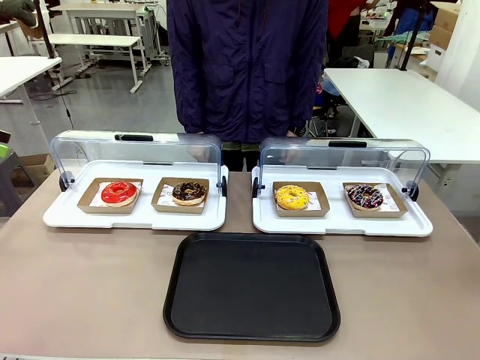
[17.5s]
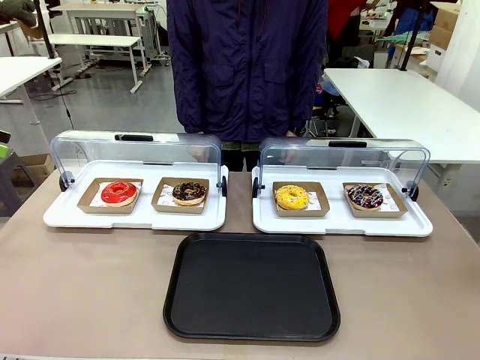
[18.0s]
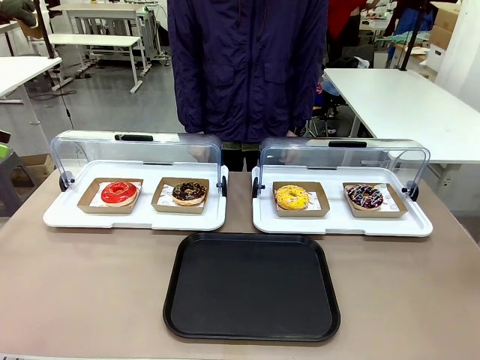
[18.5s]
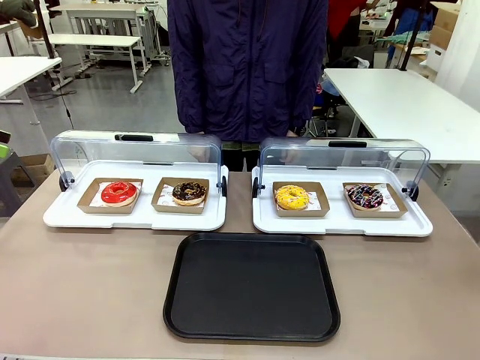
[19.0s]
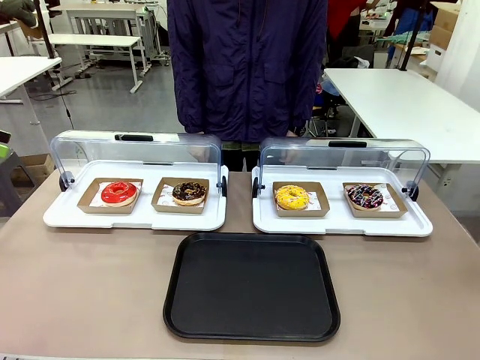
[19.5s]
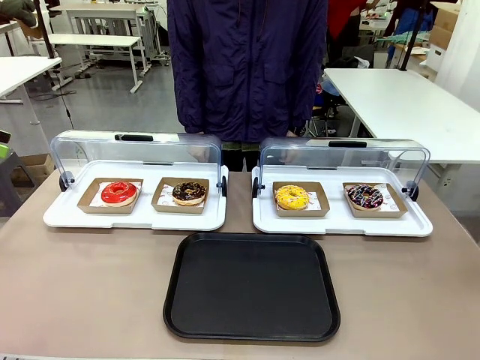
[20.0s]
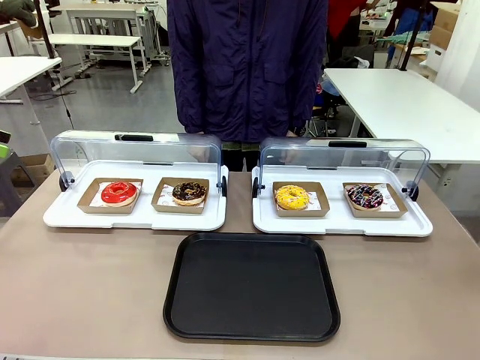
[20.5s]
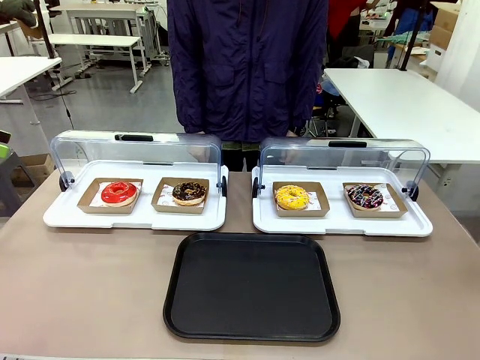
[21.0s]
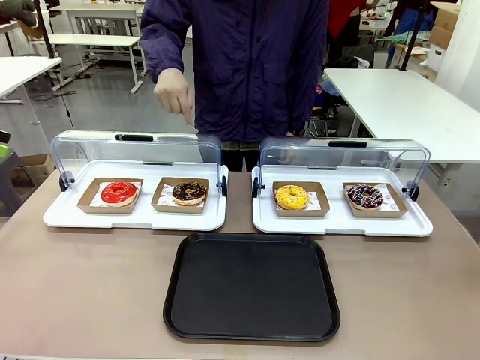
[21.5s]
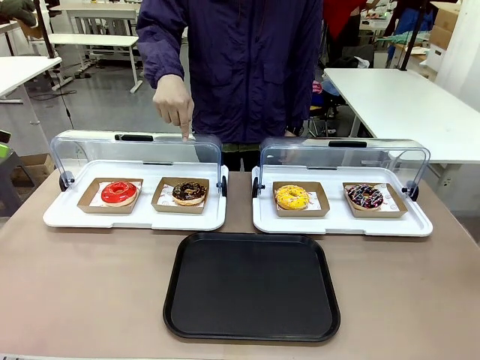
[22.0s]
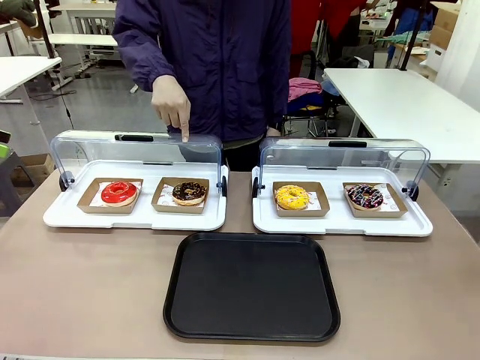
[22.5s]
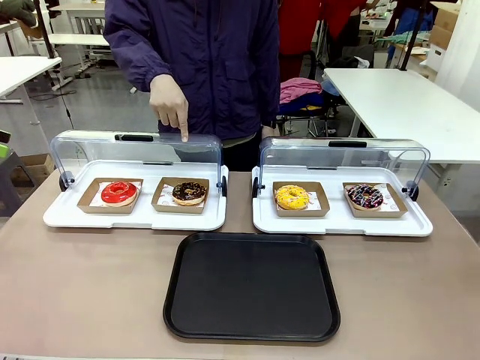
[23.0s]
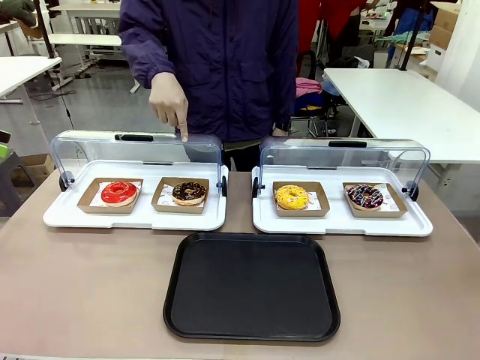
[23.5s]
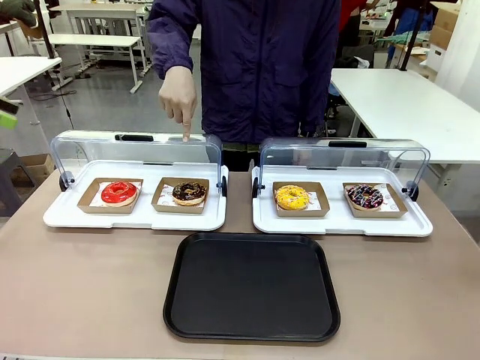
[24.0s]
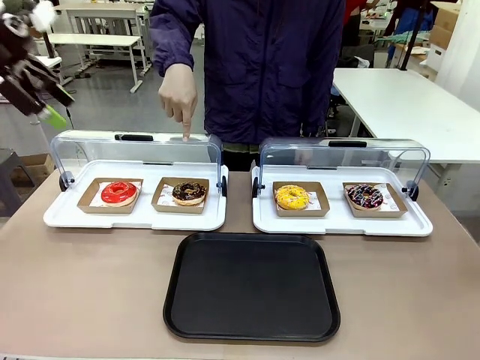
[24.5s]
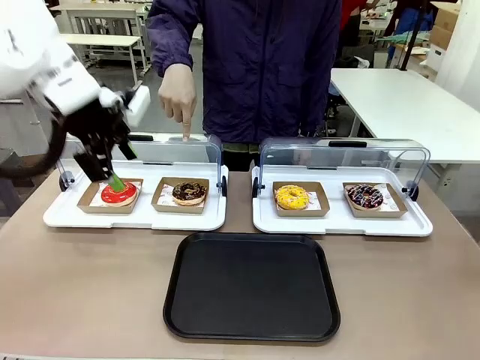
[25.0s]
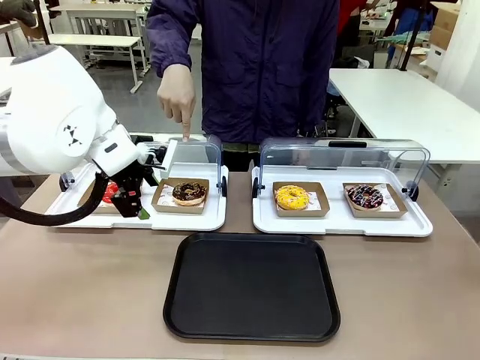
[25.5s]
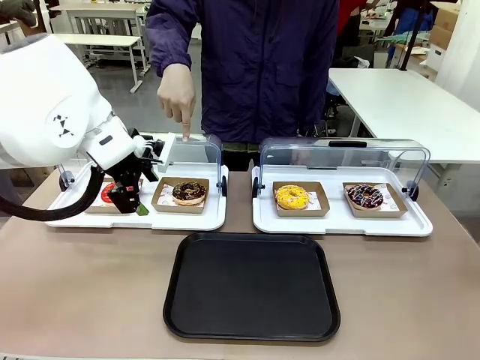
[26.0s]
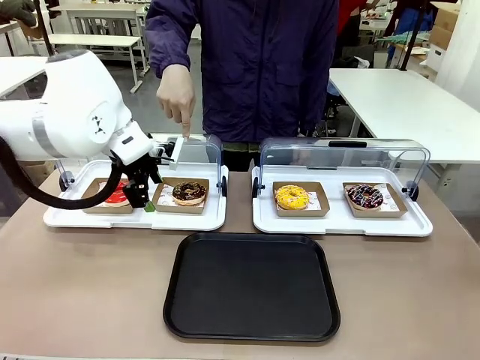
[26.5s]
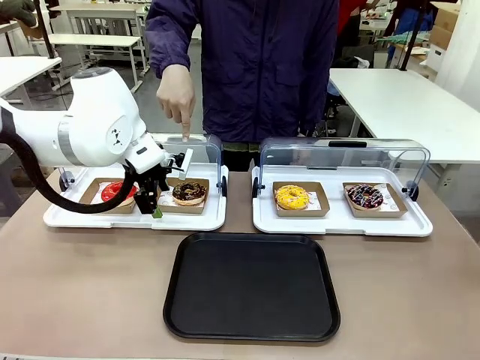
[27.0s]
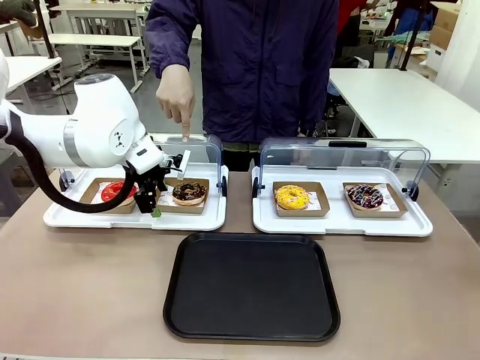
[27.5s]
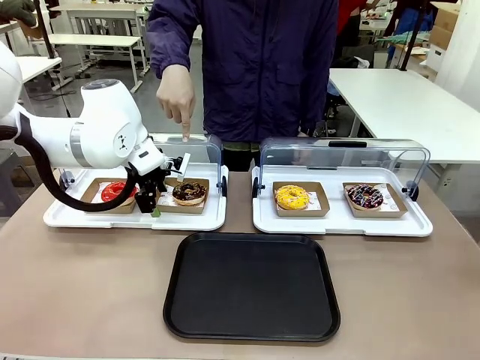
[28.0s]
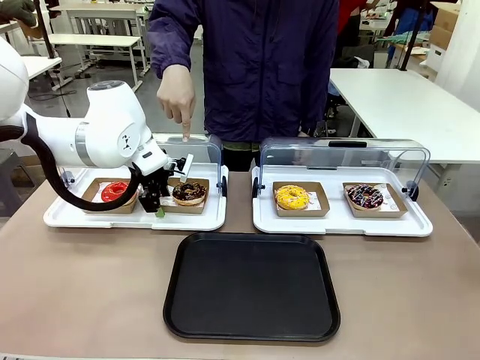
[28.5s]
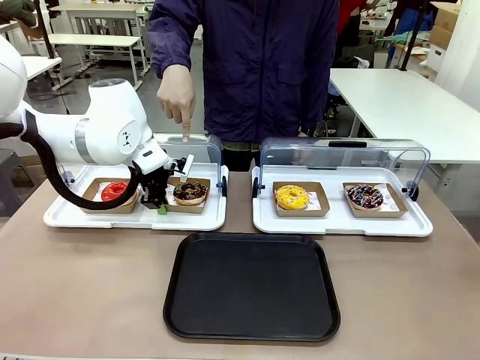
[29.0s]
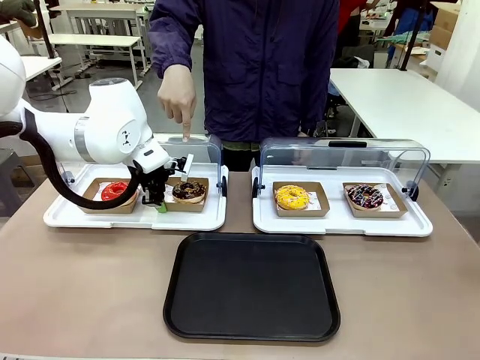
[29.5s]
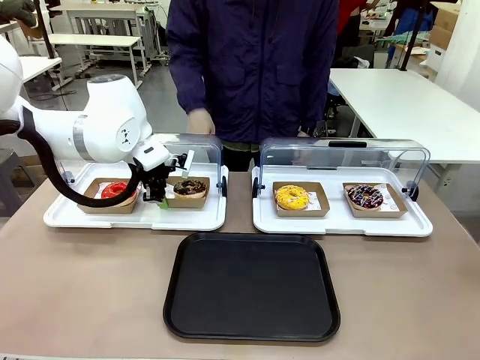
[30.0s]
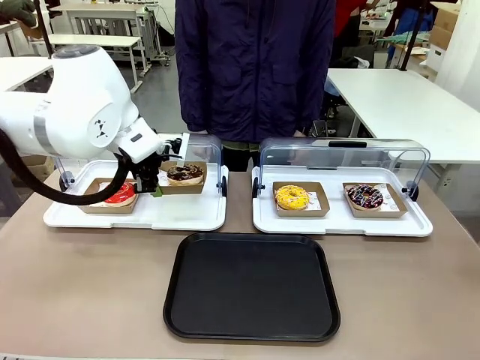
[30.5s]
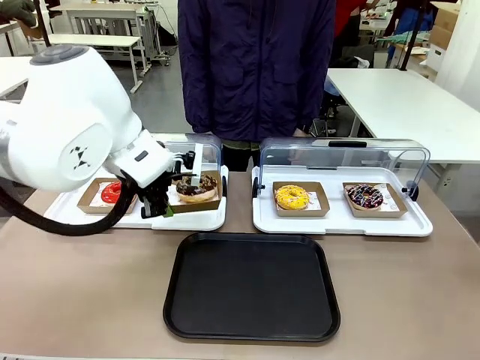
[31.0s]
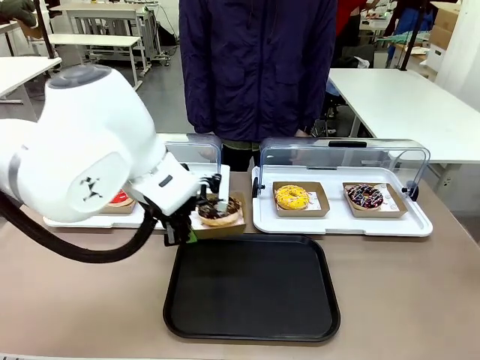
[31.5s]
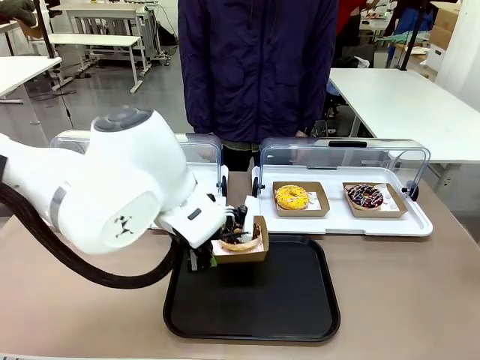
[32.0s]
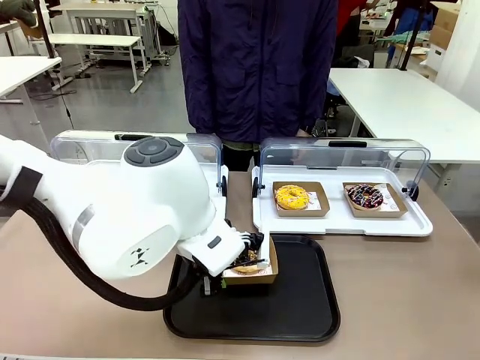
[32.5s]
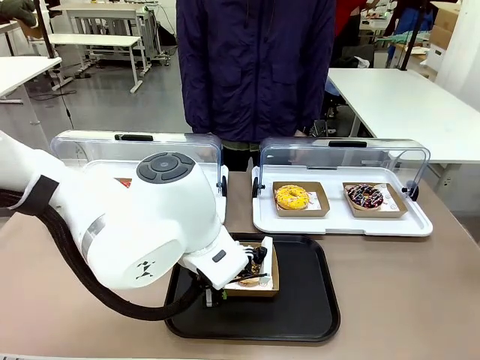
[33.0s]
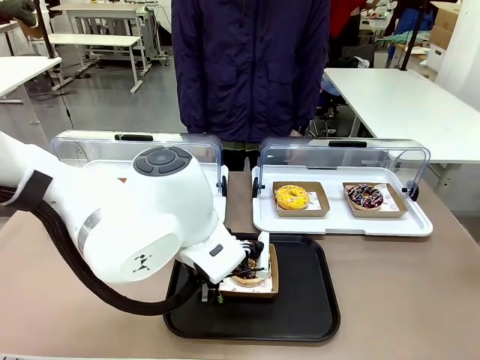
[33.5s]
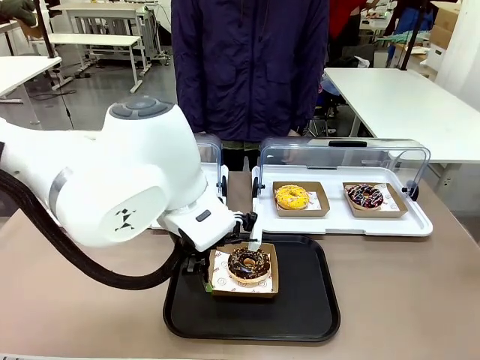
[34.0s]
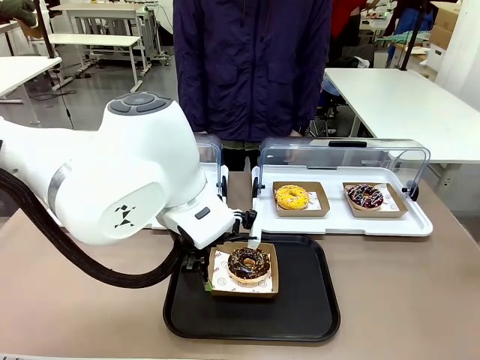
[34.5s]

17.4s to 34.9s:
Task: Move the second donut from the left to the tray.
Robot: Pick up the Paper togo box containing the Donut indicated by the person and place it on the Handle tray.
Person: Points to the second donut from the left from the robot’s perspective.

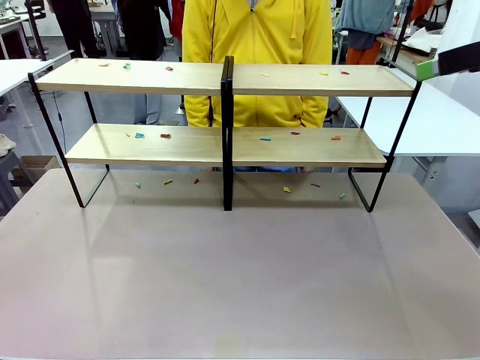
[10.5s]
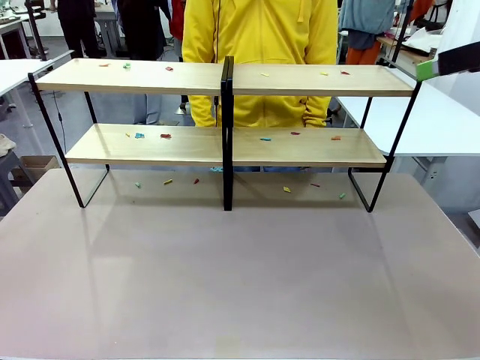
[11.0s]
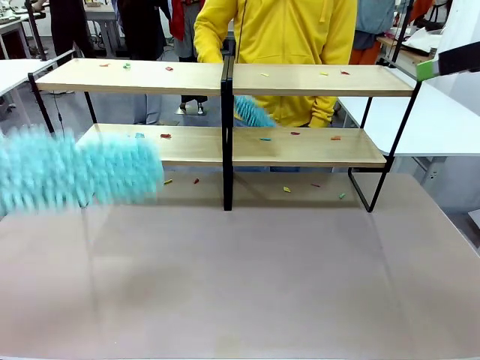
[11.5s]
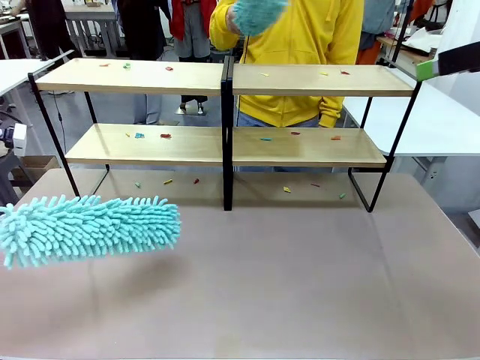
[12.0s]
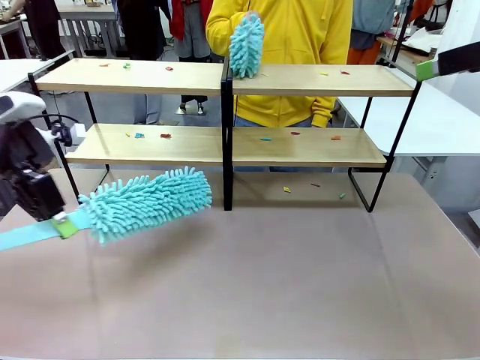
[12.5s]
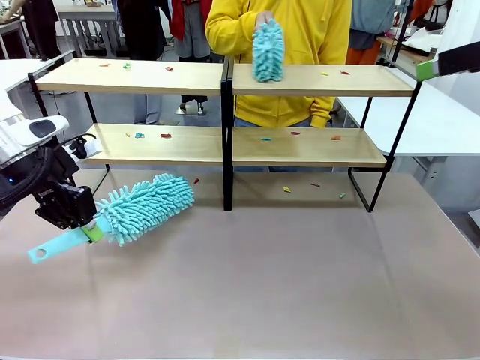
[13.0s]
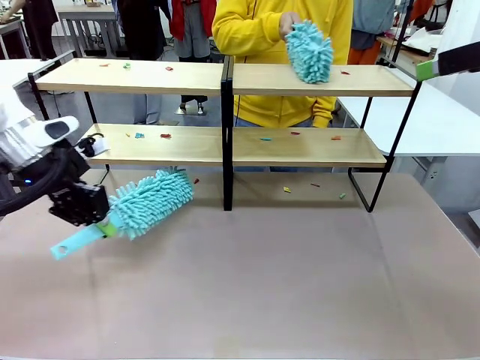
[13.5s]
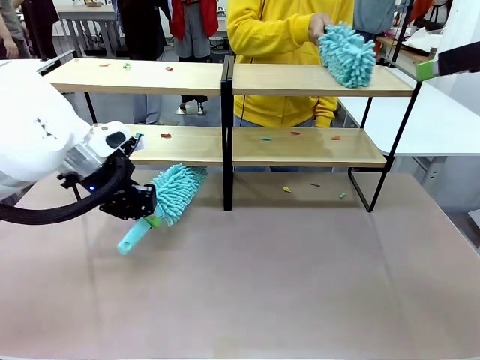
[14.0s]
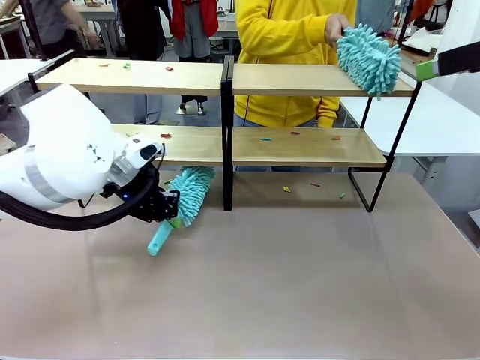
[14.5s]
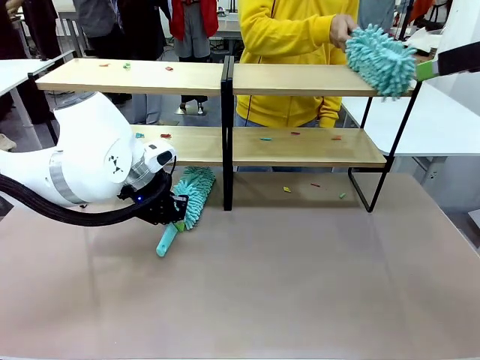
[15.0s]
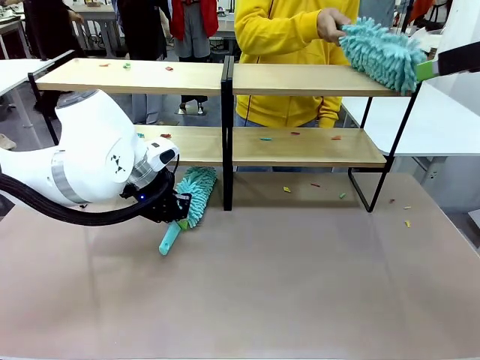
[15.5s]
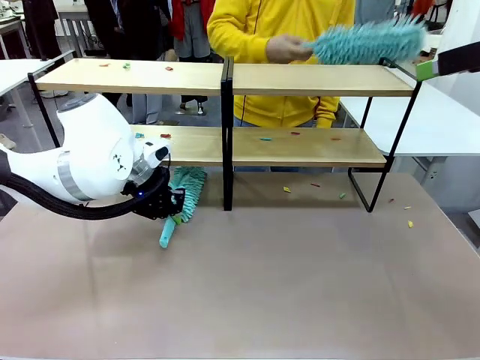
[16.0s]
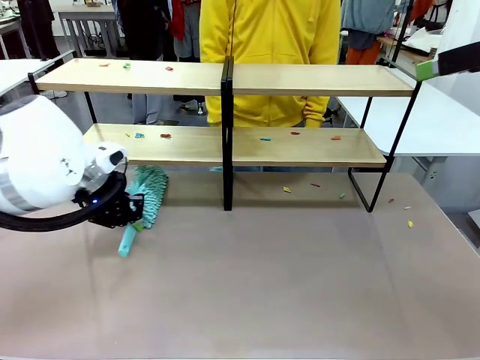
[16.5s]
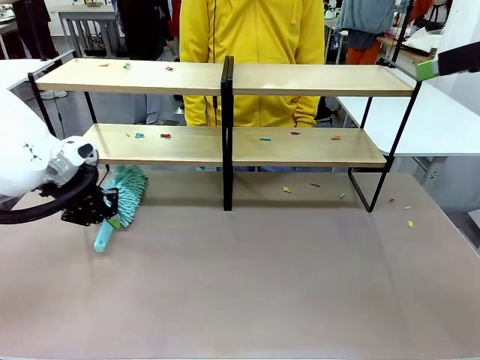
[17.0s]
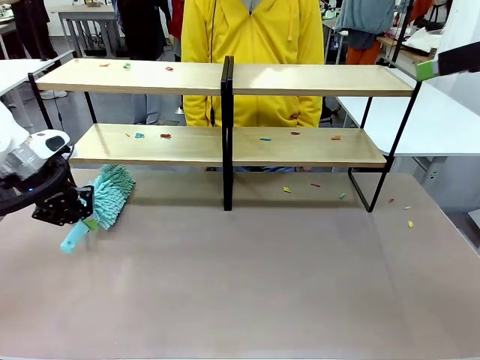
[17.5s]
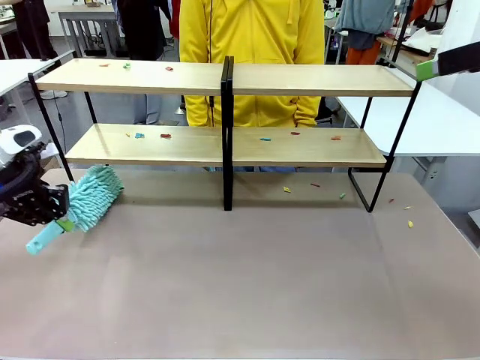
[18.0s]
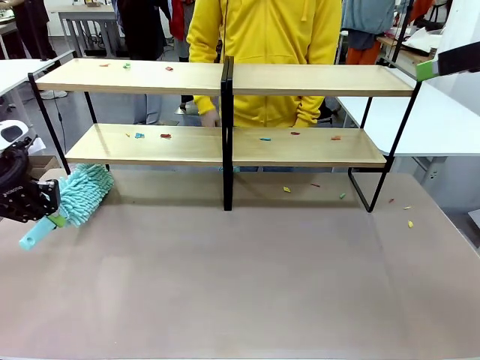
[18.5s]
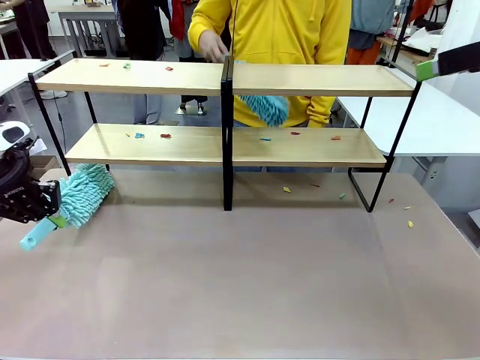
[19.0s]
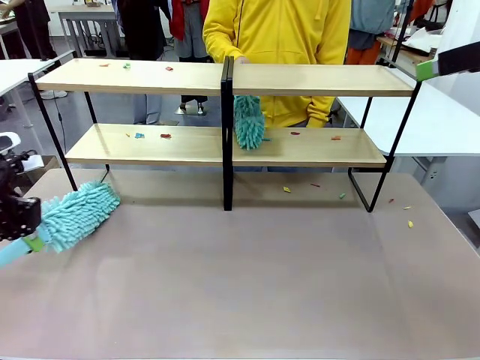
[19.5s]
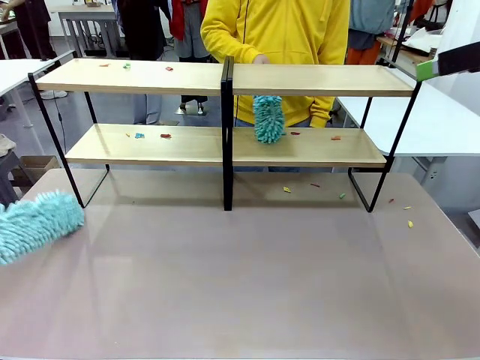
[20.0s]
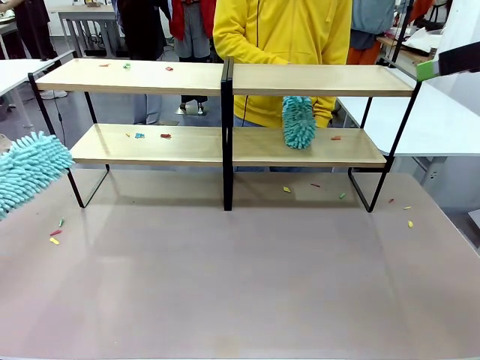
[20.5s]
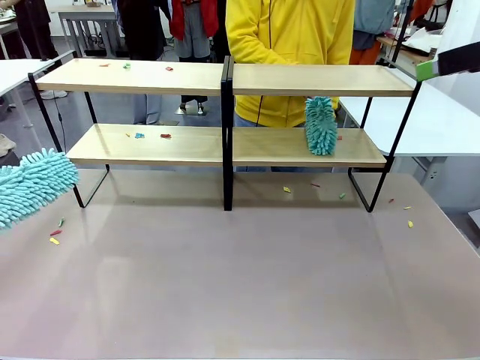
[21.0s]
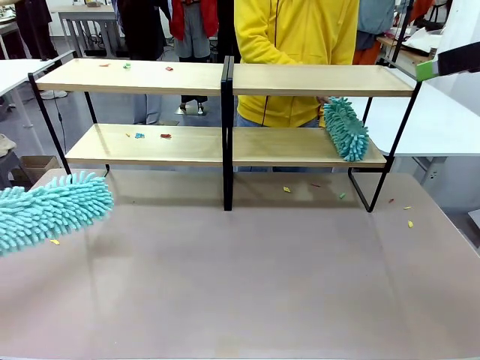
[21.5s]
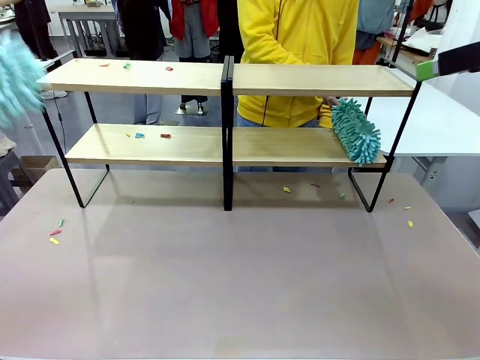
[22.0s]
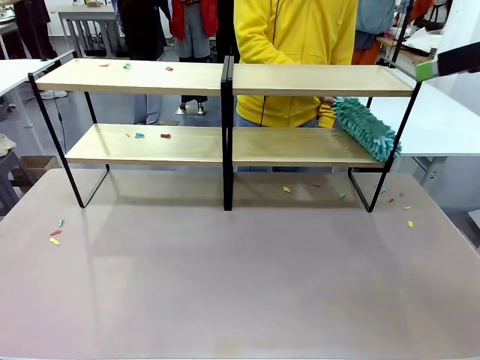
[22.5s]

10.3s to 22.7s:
Task: Clean the shelves.
Robot: Clean a randomly selected level of the Shelf with the Duster.
